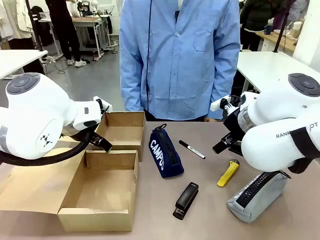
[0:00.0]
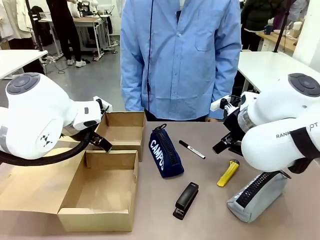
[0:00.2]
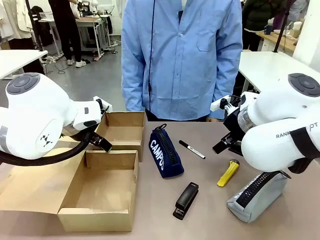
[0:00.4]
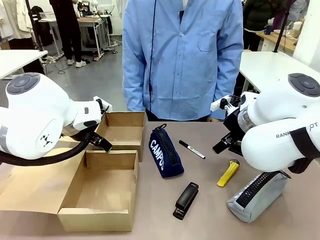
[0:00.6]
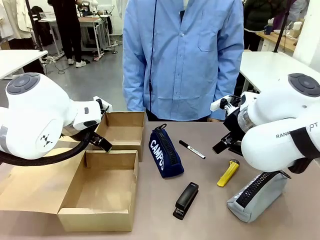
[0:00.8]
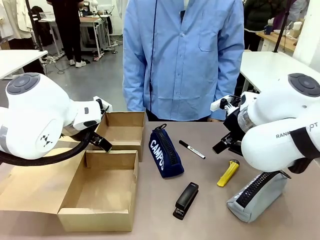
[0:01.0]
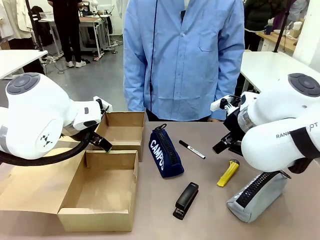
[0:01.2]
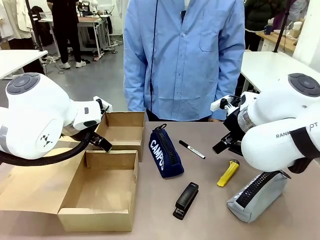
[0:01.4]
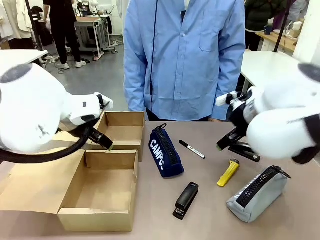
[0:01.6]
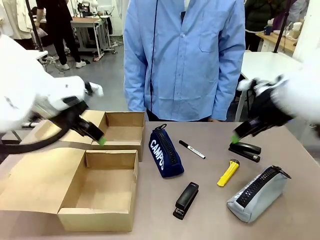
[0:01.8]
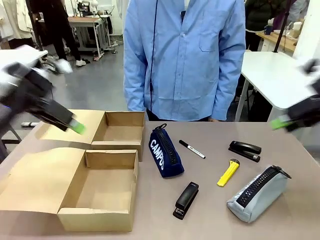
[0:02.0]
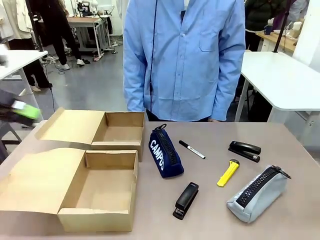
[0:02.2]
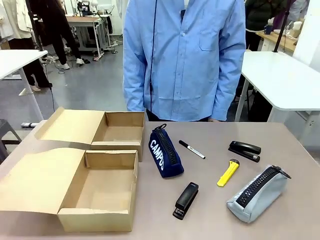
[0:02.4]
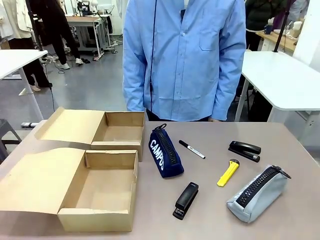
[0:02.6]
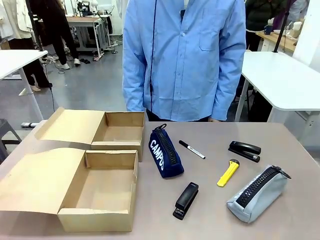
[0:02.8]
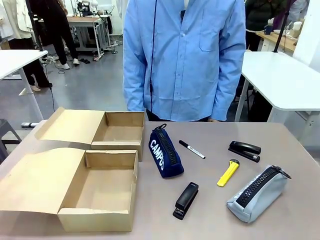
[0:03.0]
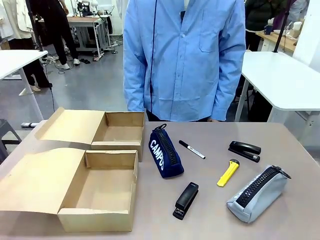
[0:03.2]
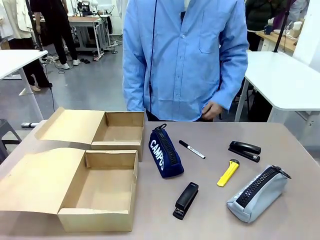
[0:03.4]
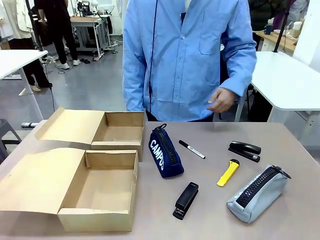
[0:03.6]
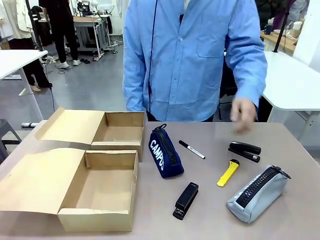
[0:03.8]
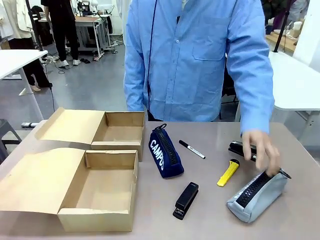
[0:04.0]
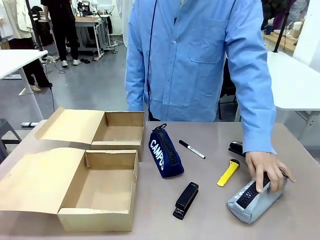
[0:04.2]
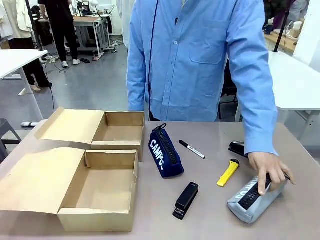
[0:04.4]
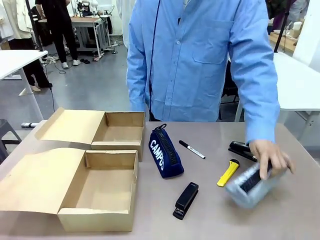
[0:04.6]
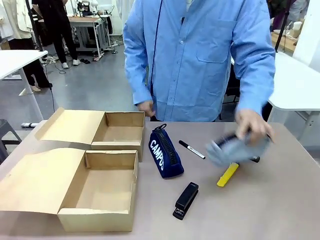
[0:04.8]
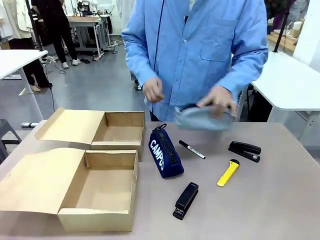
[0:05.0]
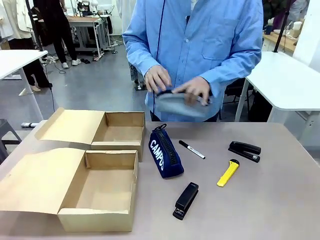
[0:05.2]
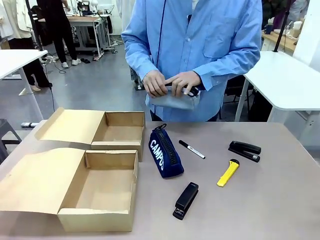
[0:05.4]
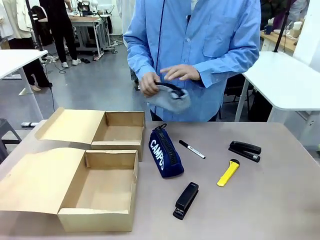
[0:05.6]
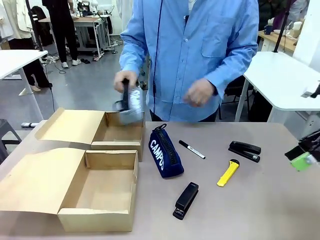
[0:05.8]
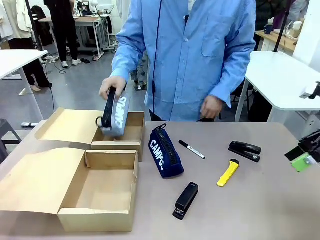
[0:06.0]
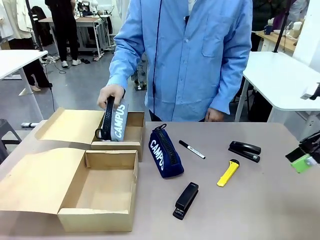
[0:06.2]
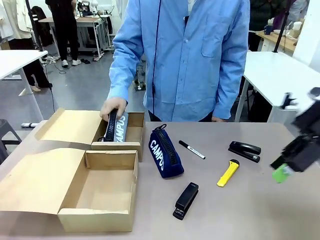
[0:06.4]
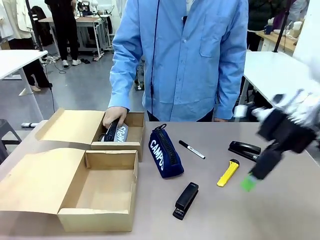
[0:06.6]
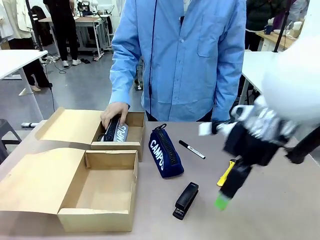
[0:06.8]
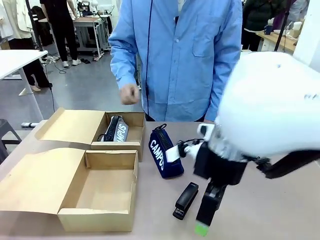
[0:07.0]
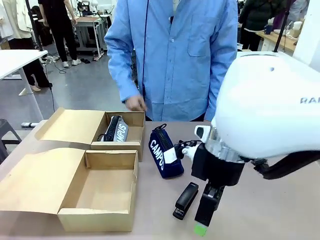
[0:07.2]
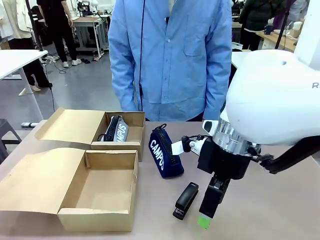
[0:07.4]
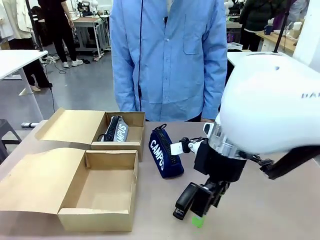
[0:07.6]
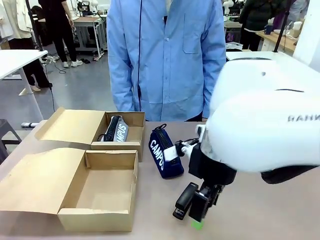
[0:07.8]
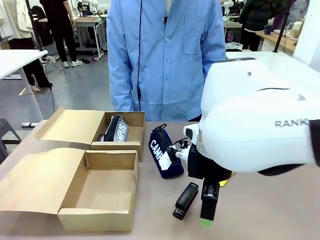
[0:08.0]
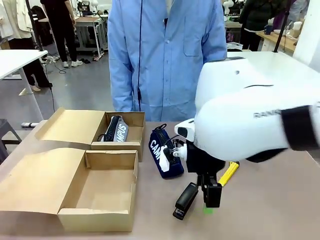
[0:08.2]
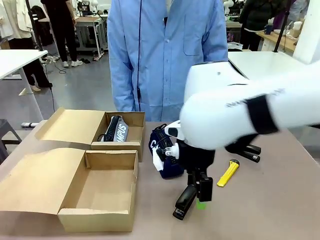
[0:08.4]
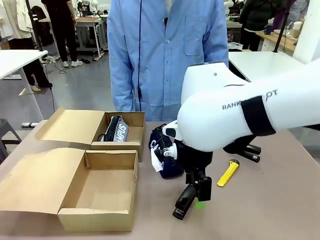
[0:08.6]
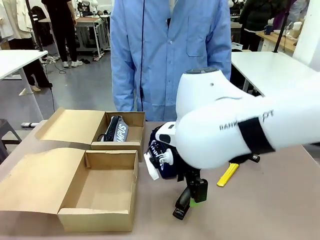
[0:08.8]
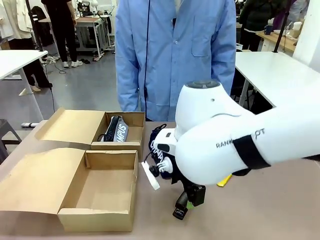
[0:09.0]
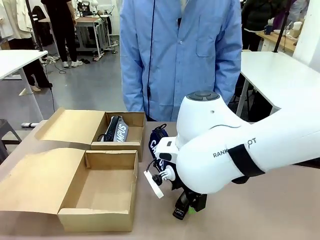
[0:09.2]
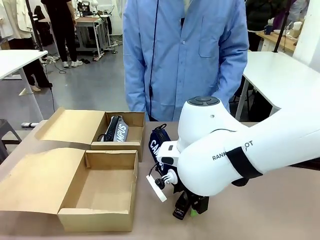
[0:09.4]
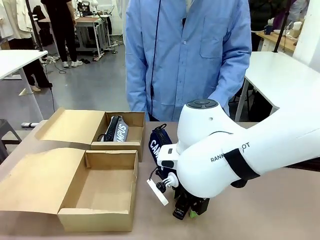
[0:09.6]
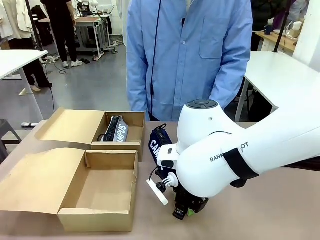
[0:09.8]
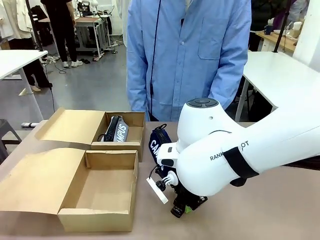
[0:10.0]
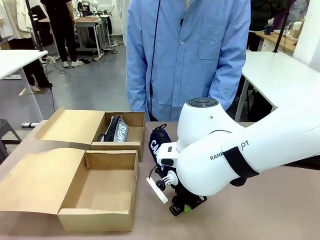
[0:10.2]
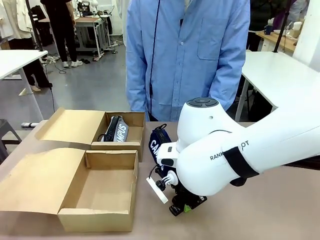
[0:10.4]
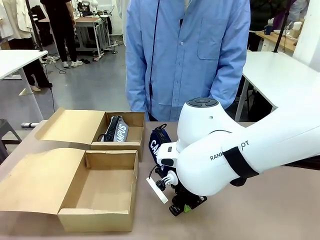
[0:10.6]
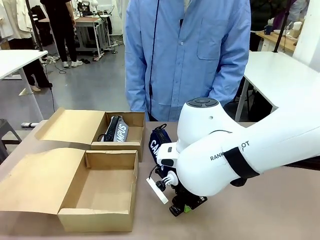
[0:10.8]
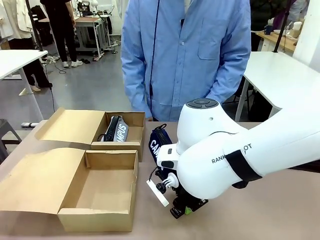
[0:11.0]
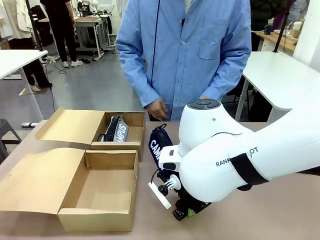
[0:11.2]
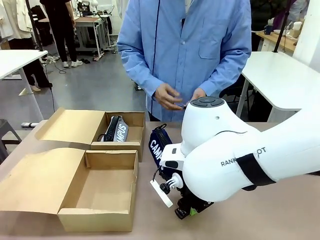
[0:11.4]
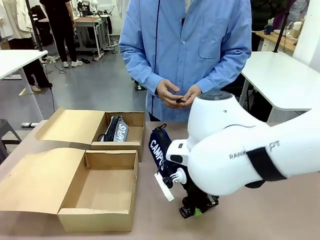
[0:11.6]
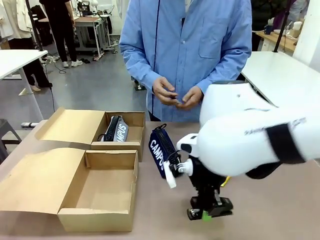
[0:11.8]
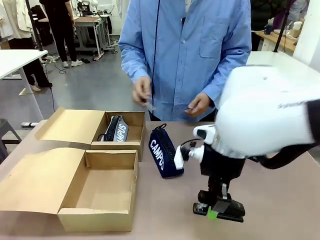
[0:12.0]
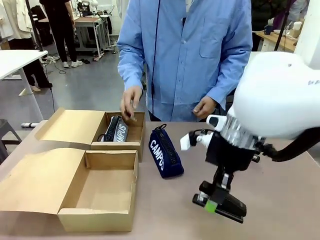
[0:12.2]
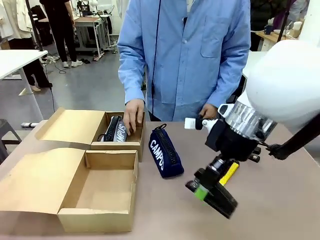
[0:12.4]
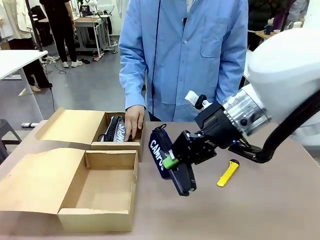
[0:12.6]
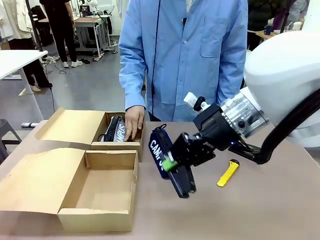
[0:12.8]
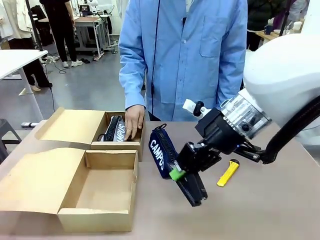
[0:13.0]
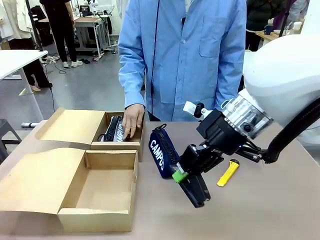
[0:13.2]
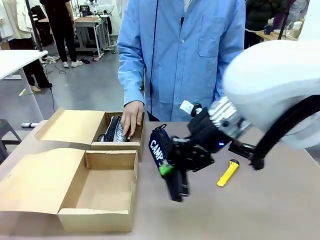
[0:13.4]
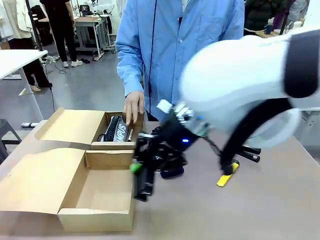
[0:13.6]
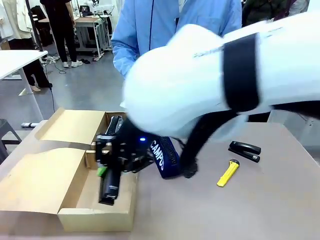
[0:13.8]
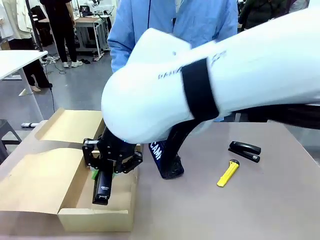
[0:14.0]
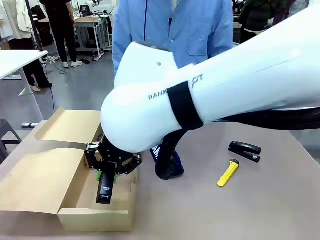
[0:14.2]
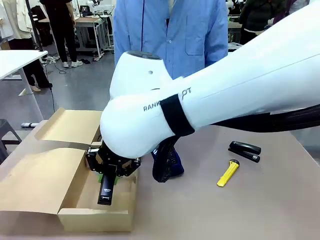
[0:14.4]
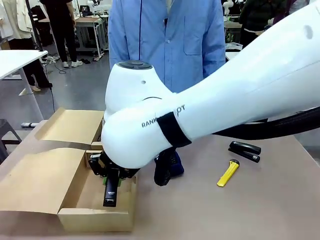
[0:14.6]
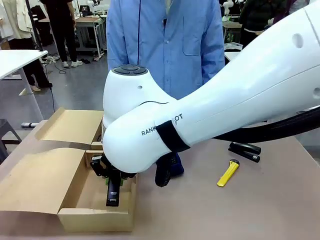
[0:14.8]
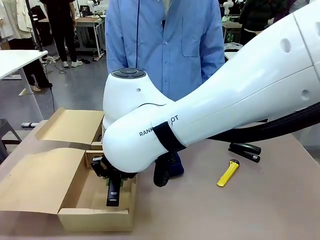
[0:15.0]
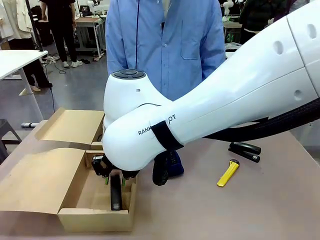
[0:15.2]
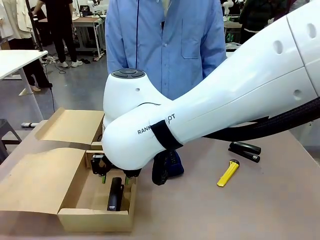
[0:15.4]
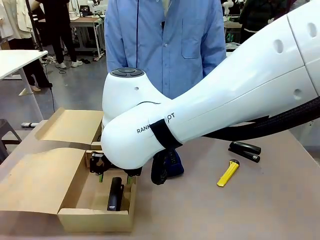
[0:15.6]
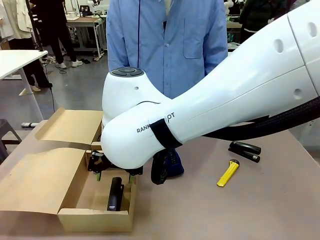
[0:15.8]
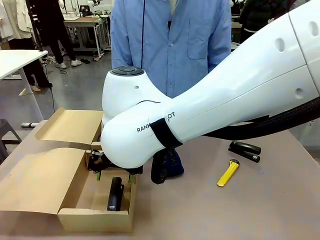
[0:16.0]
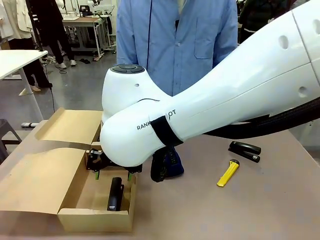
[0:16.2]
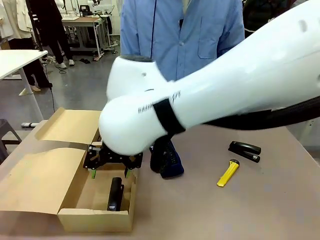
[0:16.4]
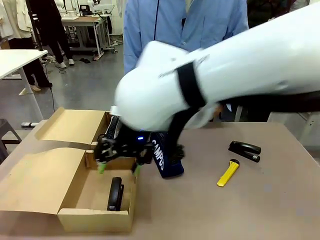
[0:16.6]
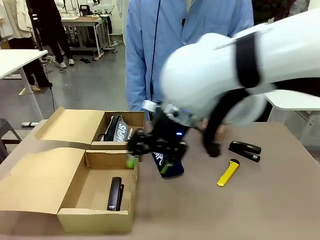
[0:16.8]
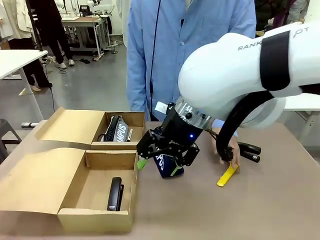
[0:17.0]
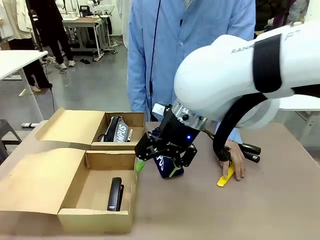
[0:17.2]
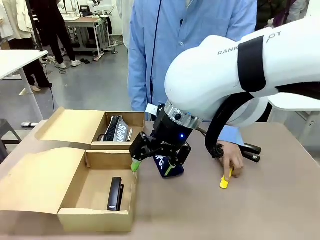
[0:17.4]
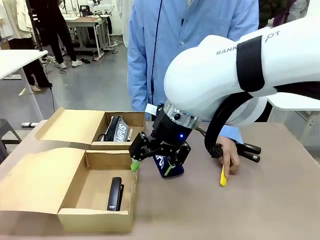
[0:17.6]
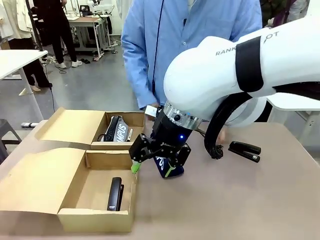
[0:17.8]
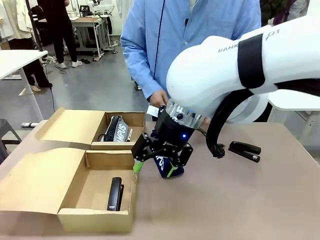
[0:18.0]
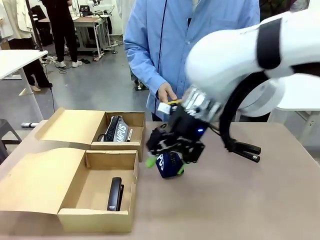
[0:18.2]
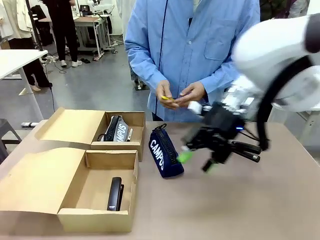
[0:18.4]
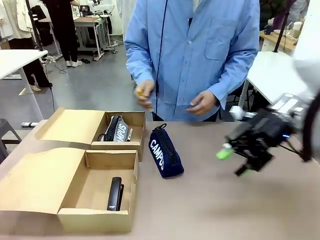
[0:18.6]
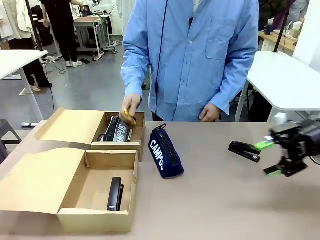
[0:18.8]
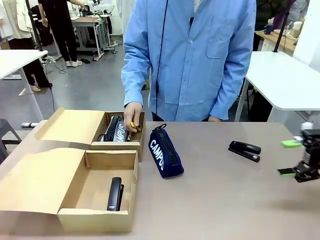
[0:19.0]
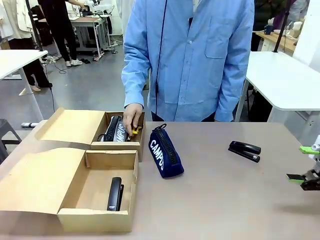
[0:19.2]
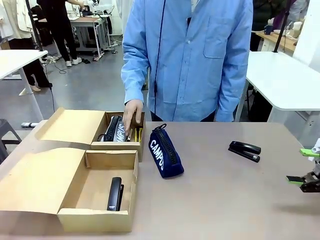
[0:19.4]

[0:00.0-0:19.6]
Task: Place items inside the box.
Robot: Pick up a Pencil pouch or Stapler and place it inside the Mailer Box closest to the robot.
Person: Pick up an object on the table and put it in the box.
